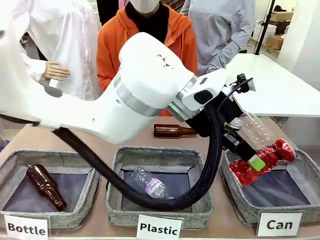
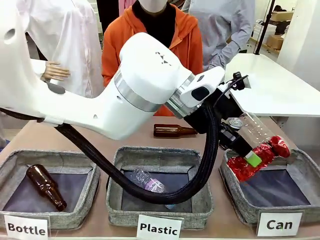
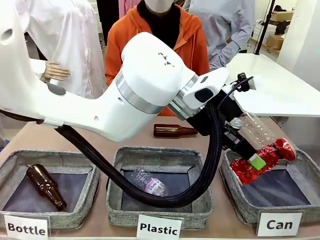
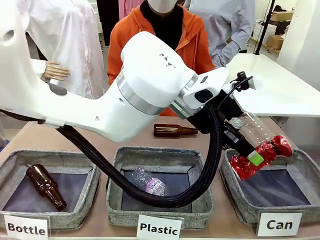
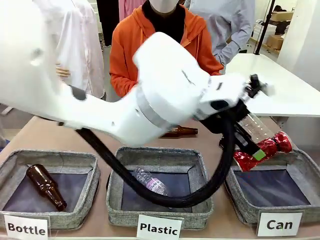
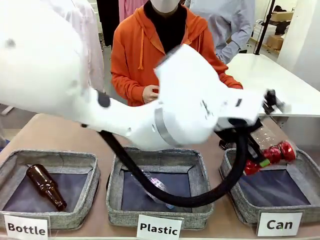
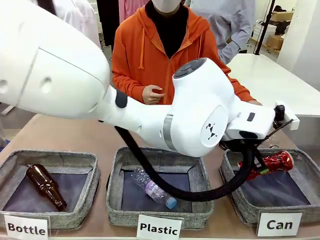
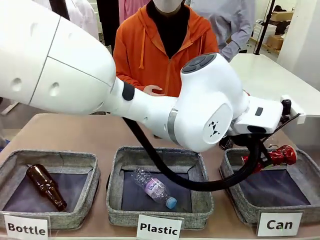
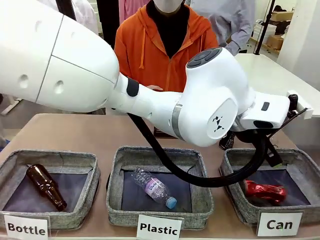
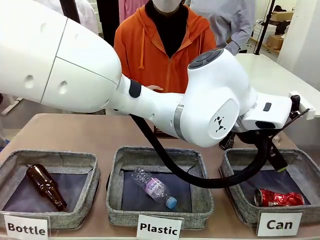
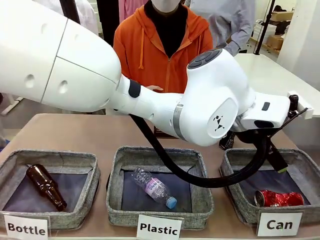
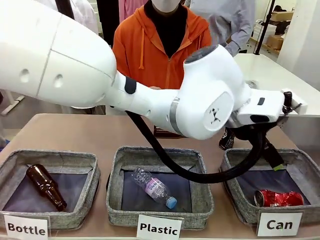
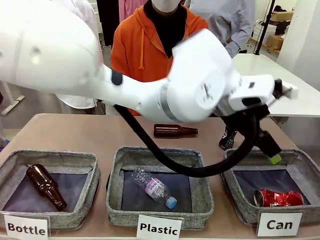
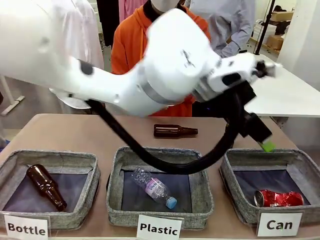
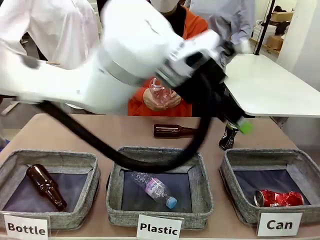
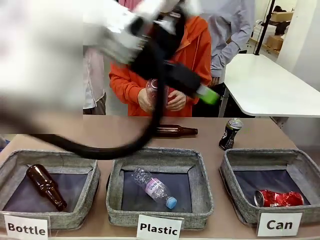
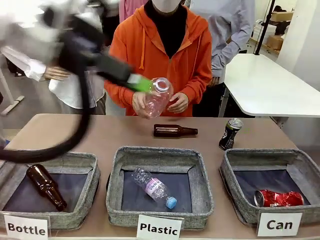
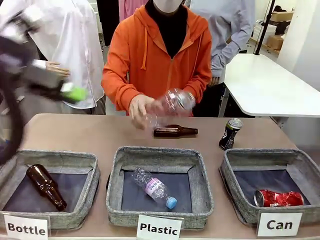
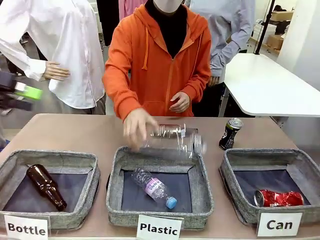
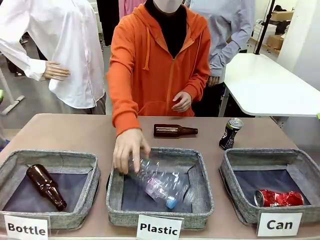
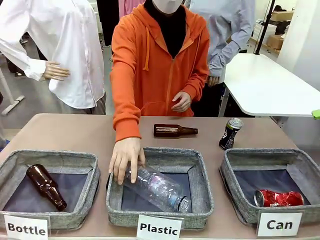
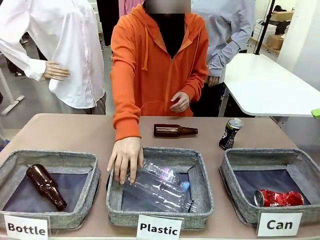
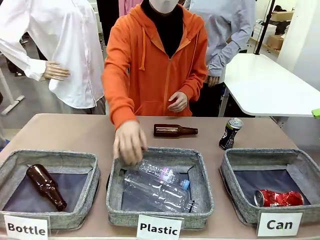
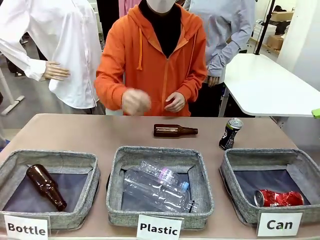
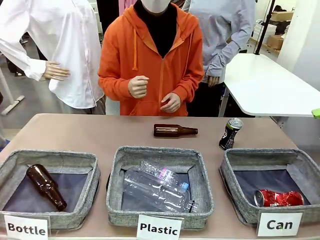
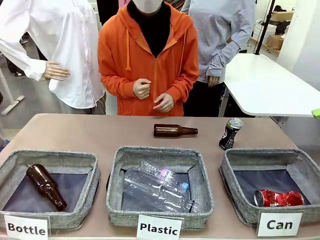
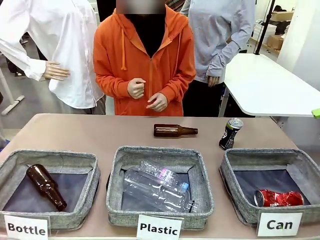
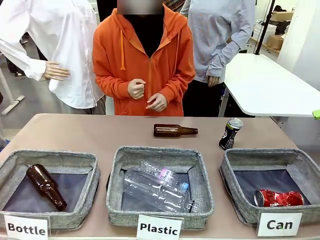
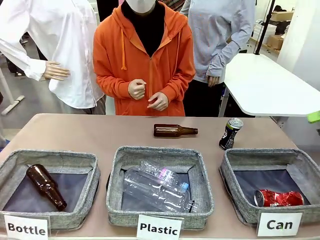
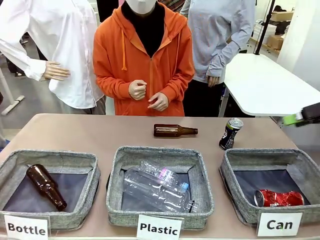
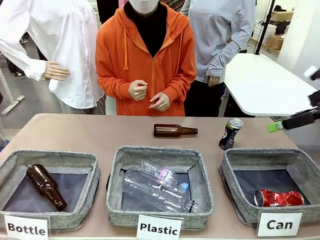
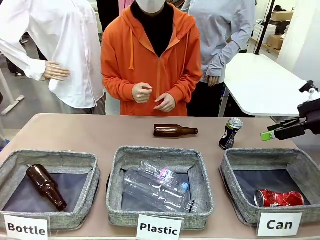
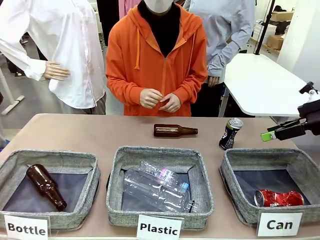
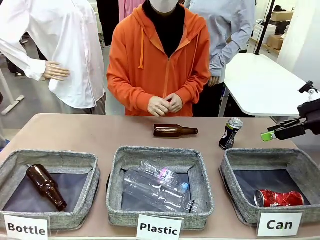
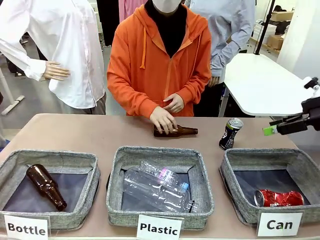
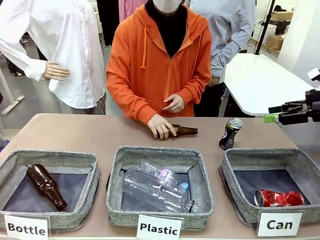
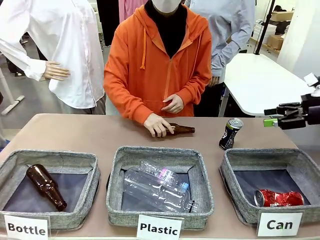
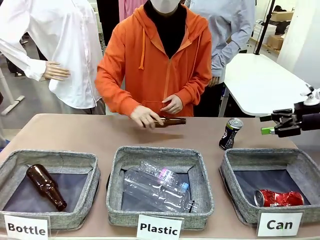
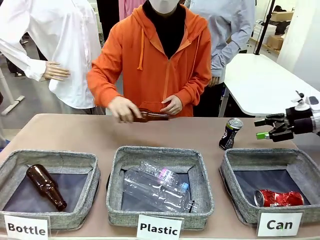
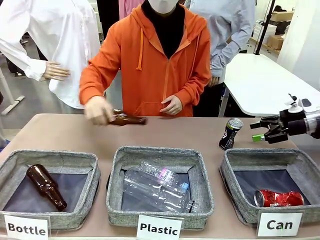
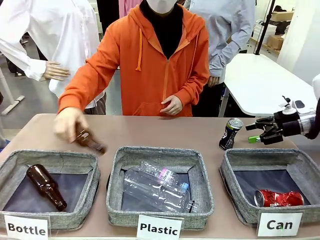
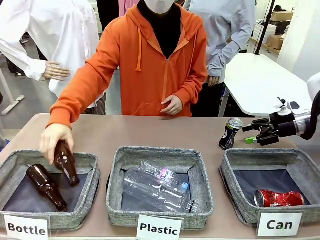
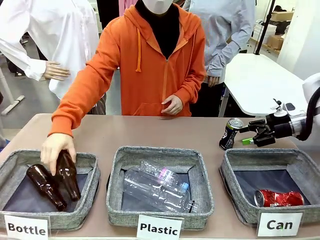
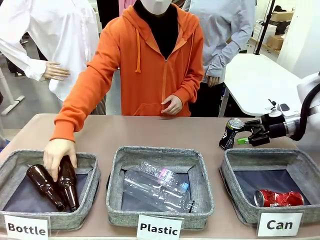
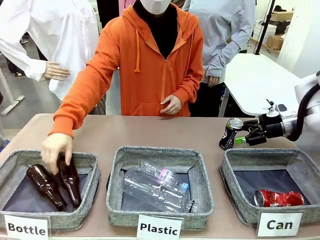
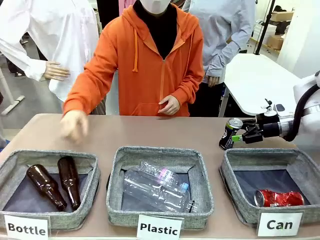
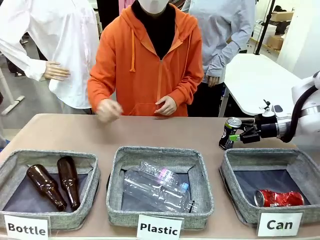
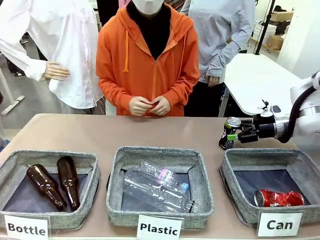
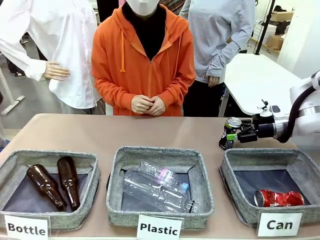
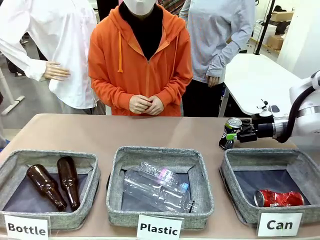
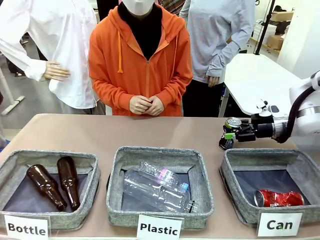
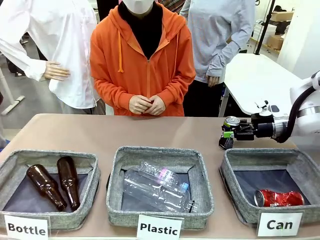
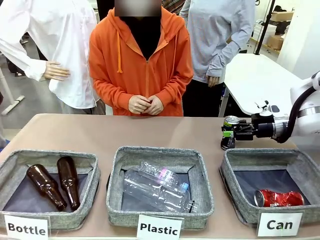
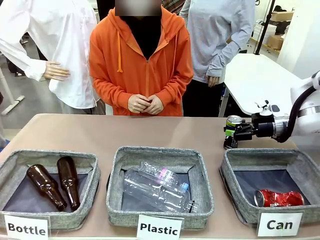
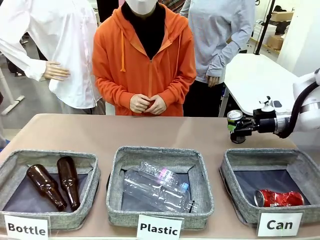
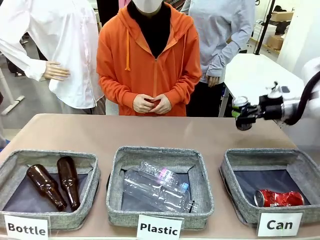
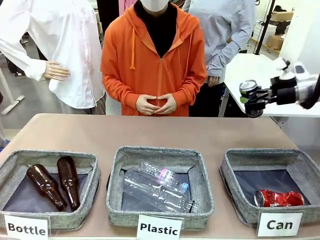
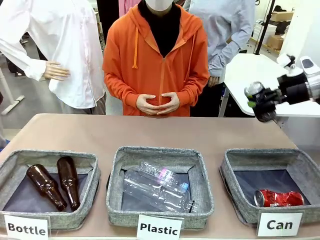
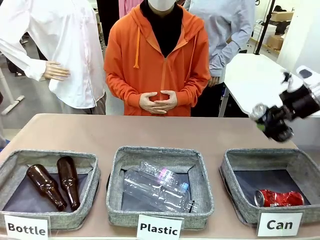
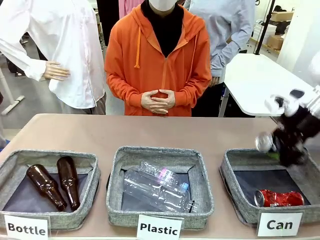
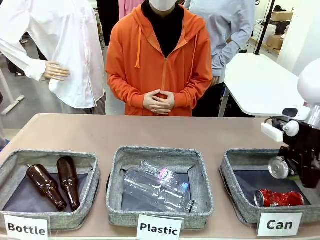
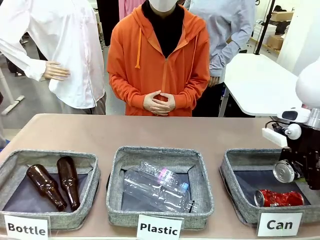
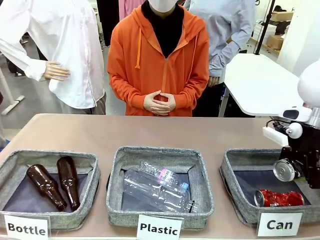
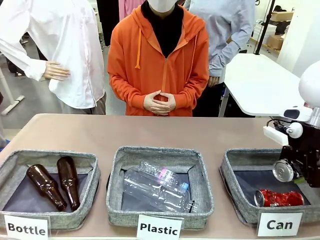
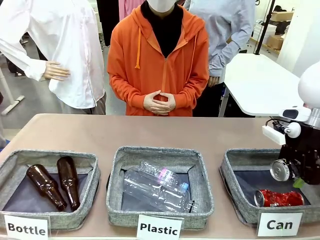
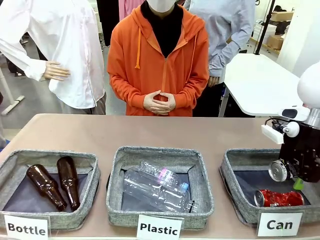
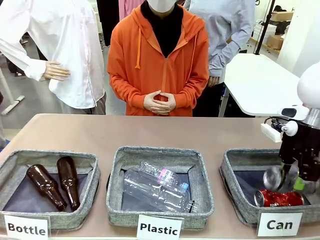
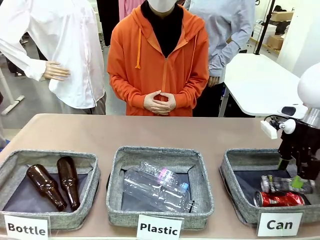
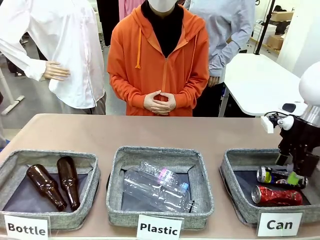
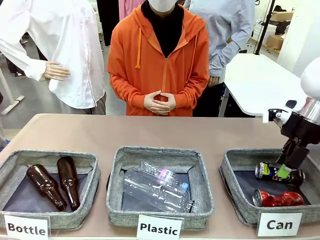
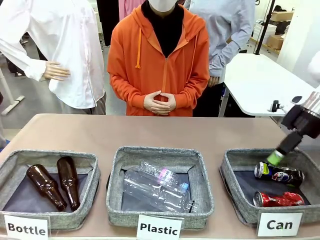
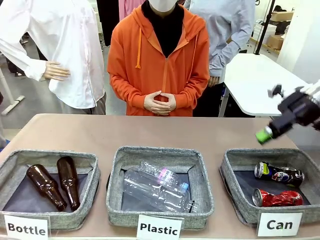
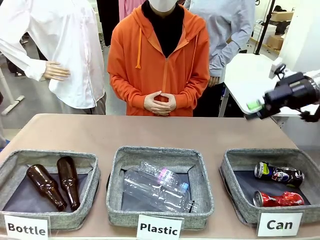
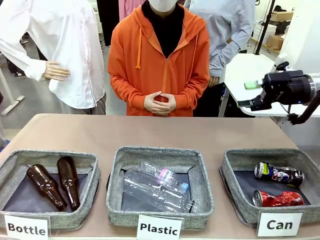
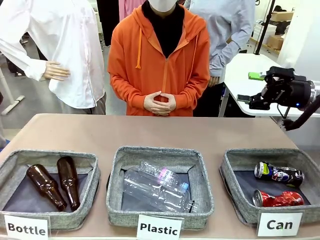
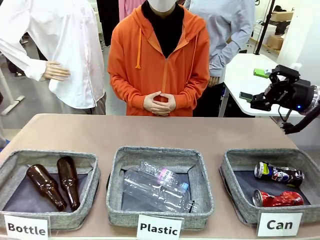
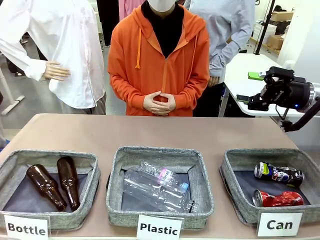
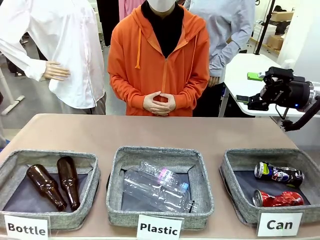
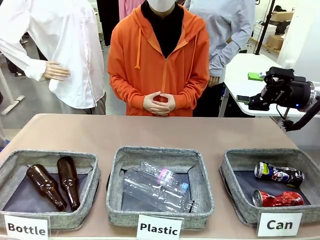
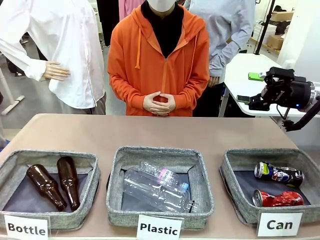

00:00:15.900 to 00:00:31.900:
Task: Sort the can waste into the basket.
Robot: Pick up the can waste from the table and place it in the right Fabric basket.
Person: The human picks up one piece of trash that is not a can and places the trash into the appropriate organizing basket.
